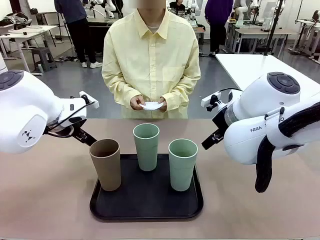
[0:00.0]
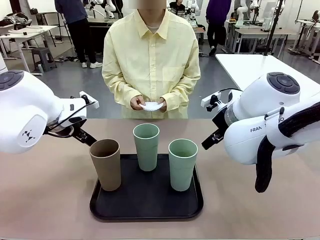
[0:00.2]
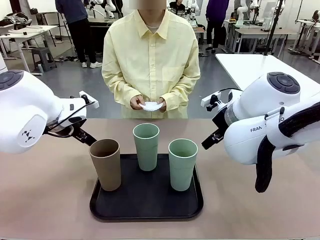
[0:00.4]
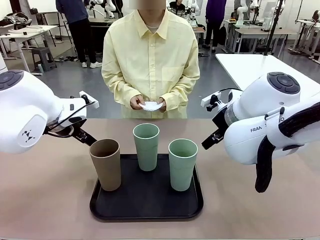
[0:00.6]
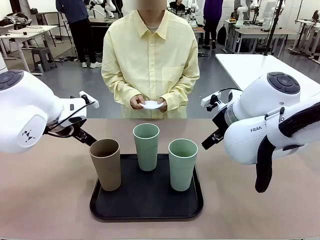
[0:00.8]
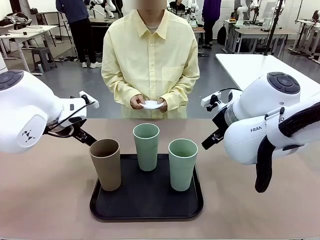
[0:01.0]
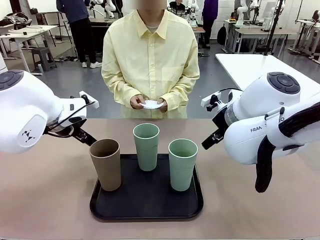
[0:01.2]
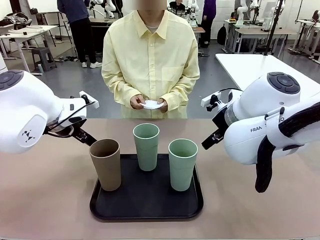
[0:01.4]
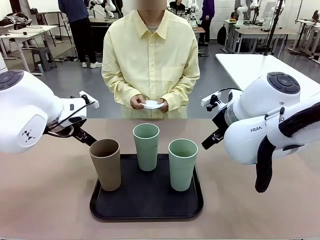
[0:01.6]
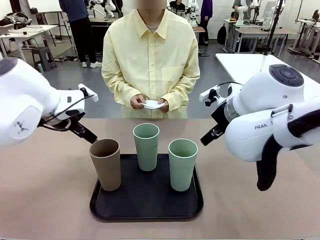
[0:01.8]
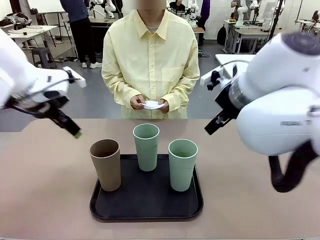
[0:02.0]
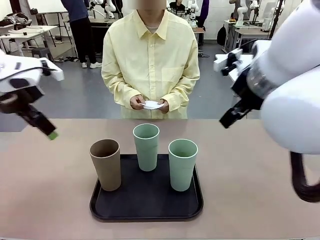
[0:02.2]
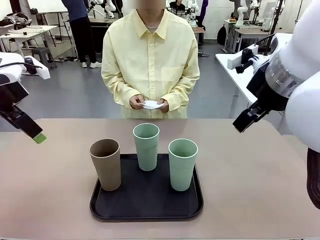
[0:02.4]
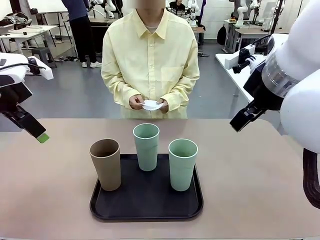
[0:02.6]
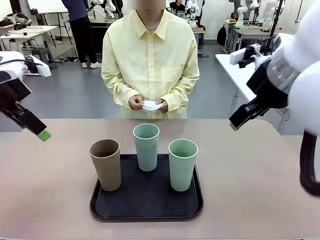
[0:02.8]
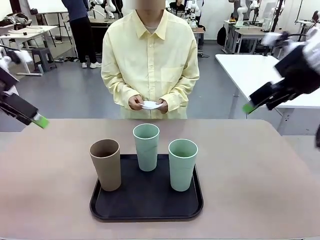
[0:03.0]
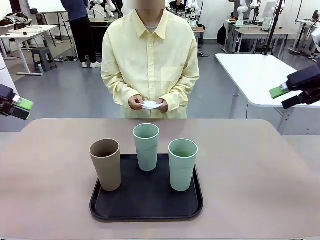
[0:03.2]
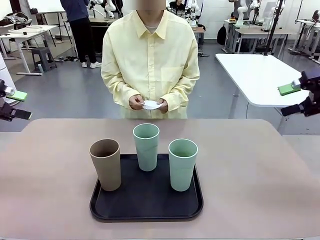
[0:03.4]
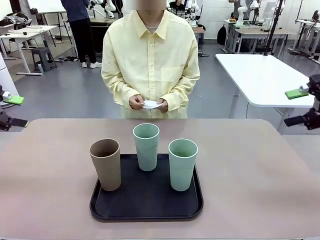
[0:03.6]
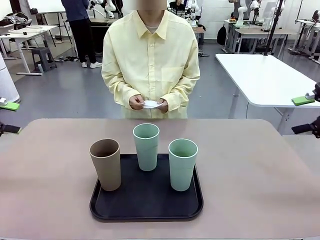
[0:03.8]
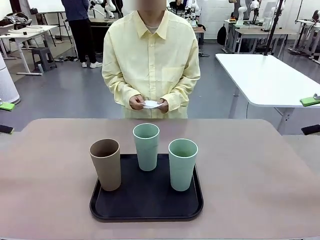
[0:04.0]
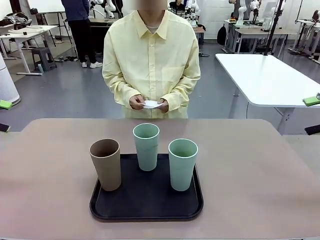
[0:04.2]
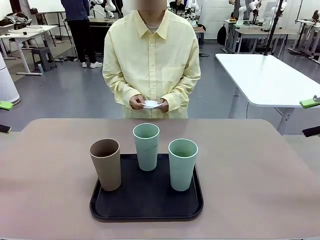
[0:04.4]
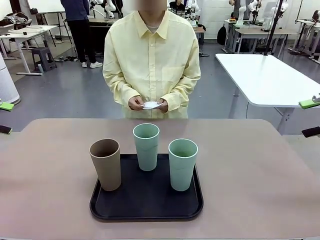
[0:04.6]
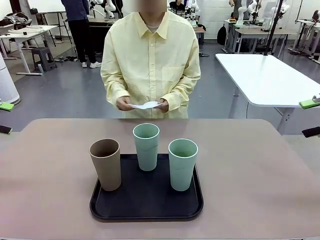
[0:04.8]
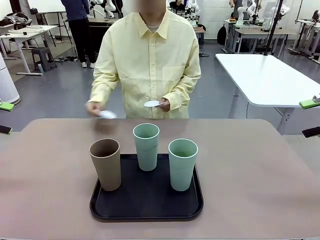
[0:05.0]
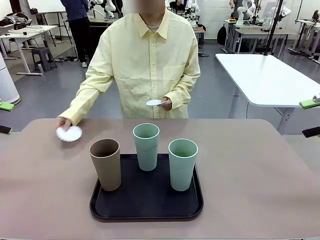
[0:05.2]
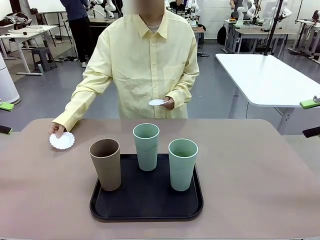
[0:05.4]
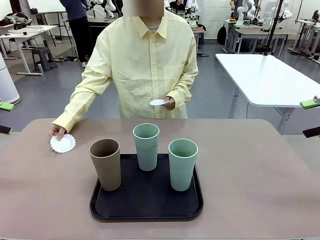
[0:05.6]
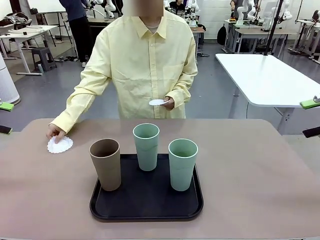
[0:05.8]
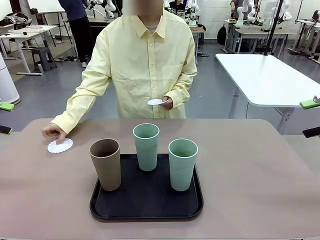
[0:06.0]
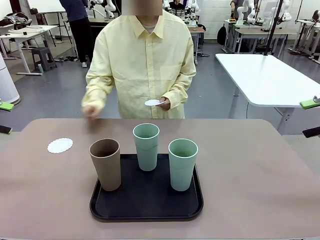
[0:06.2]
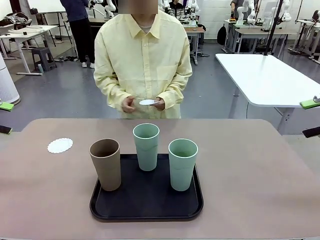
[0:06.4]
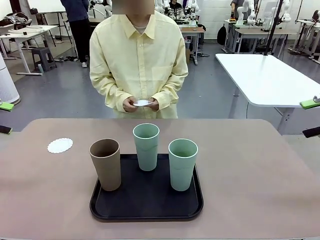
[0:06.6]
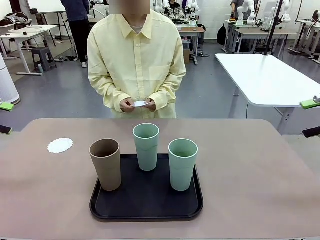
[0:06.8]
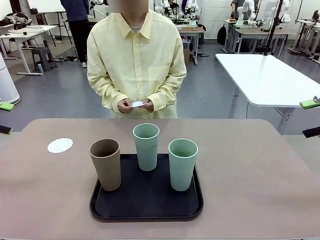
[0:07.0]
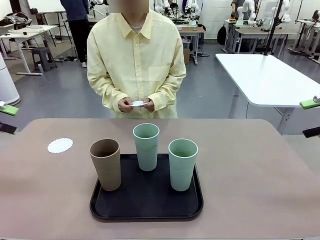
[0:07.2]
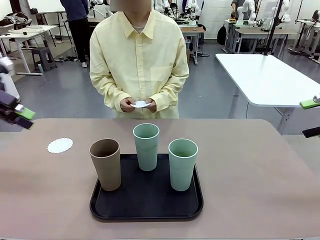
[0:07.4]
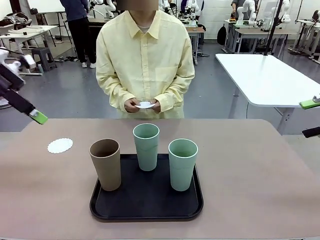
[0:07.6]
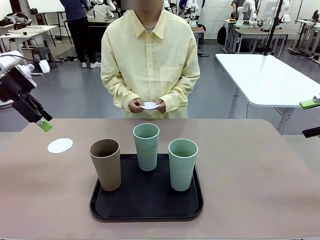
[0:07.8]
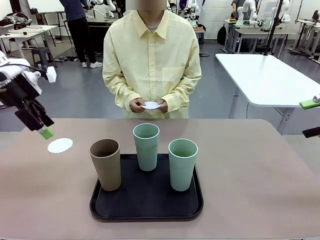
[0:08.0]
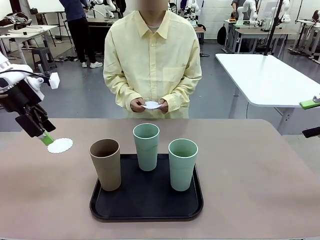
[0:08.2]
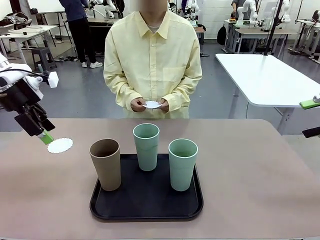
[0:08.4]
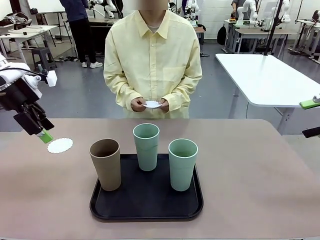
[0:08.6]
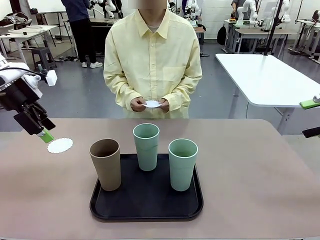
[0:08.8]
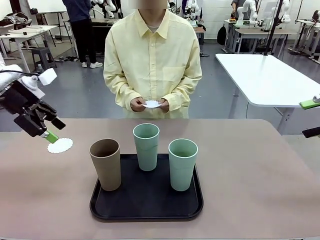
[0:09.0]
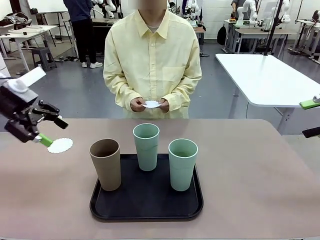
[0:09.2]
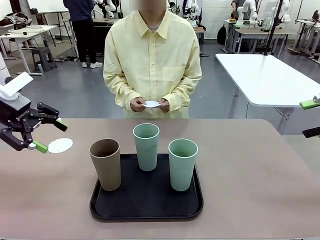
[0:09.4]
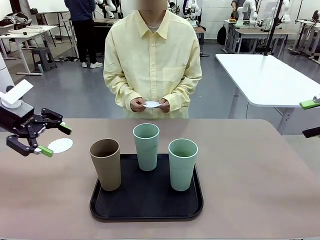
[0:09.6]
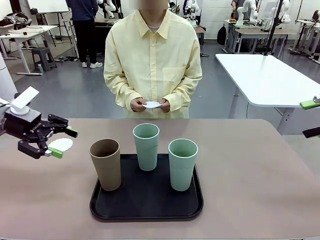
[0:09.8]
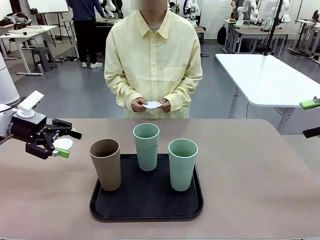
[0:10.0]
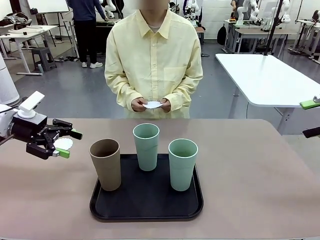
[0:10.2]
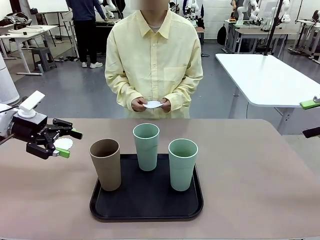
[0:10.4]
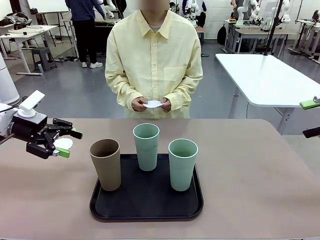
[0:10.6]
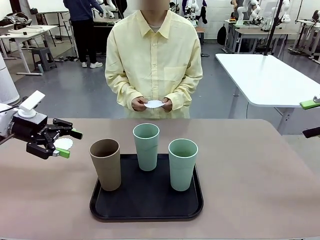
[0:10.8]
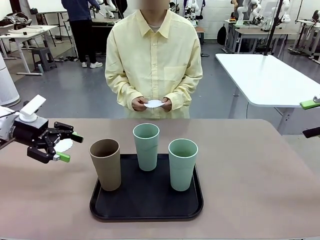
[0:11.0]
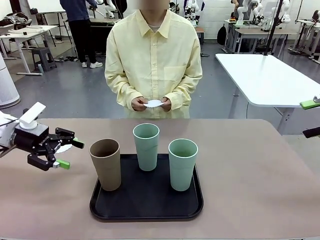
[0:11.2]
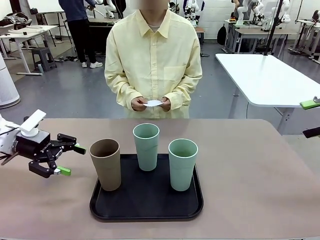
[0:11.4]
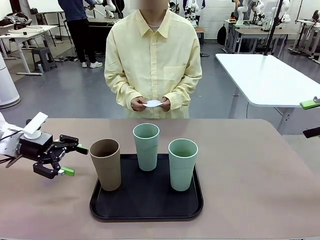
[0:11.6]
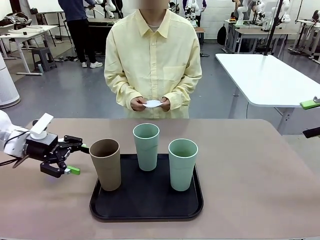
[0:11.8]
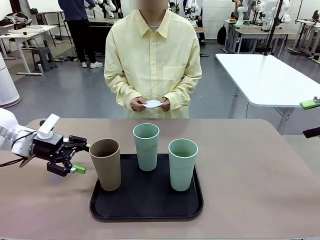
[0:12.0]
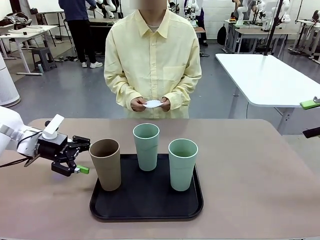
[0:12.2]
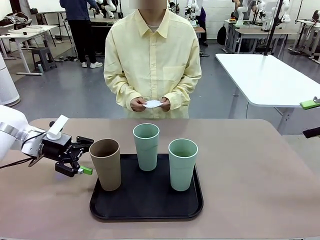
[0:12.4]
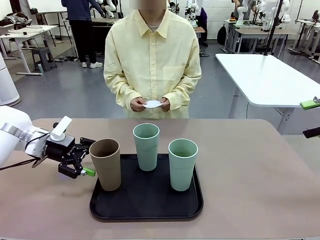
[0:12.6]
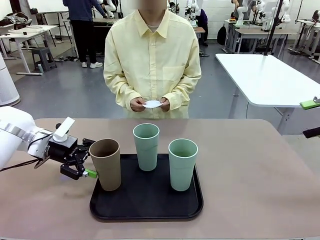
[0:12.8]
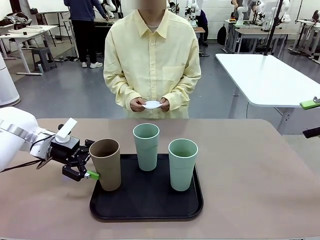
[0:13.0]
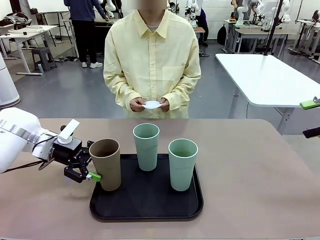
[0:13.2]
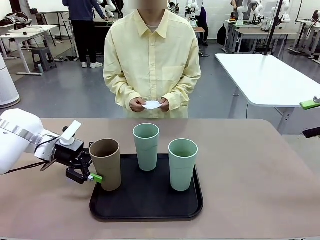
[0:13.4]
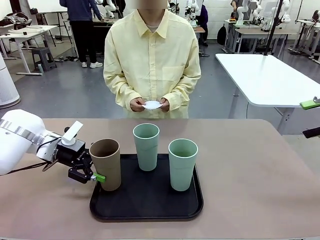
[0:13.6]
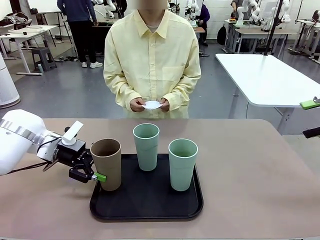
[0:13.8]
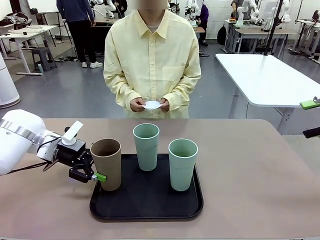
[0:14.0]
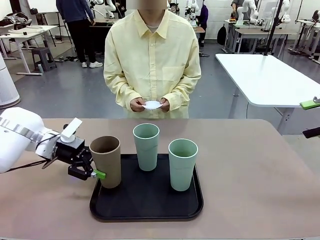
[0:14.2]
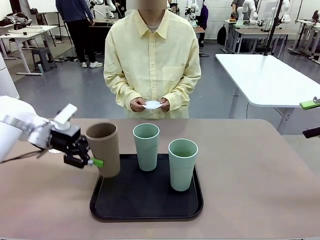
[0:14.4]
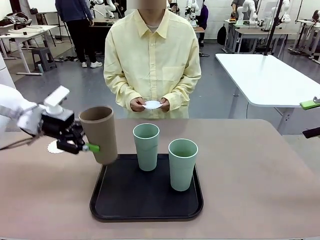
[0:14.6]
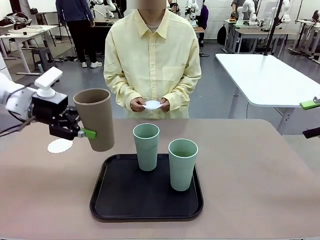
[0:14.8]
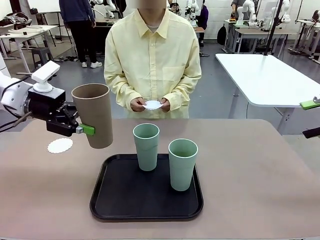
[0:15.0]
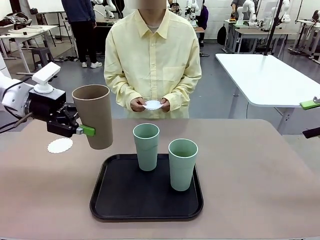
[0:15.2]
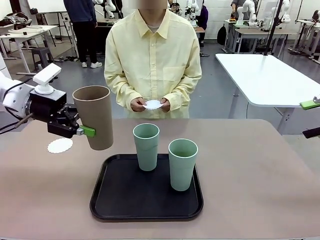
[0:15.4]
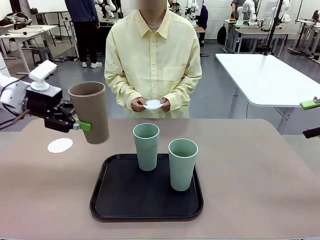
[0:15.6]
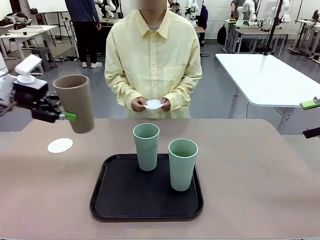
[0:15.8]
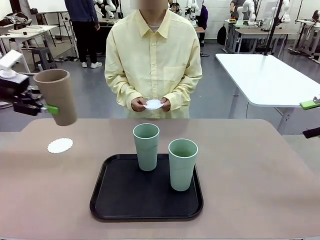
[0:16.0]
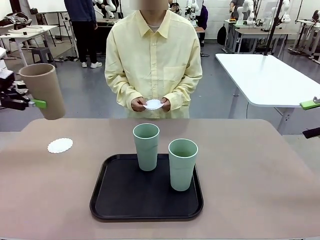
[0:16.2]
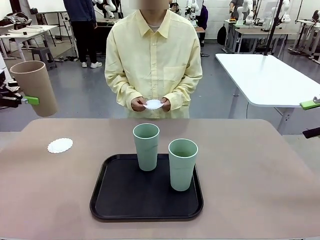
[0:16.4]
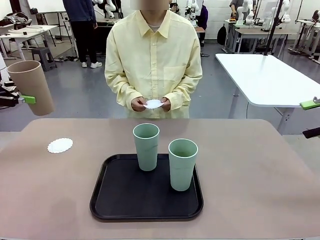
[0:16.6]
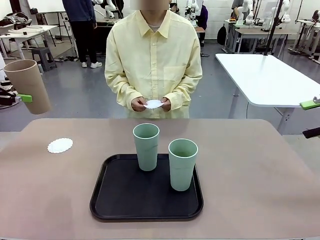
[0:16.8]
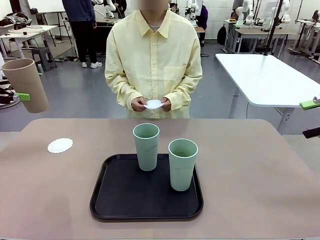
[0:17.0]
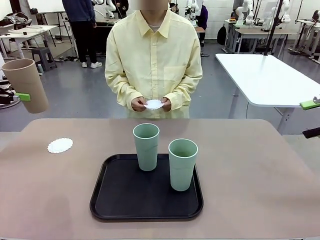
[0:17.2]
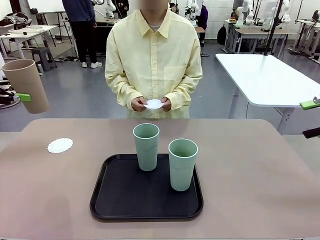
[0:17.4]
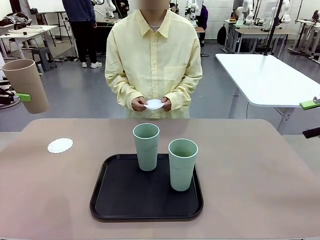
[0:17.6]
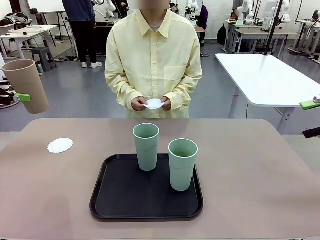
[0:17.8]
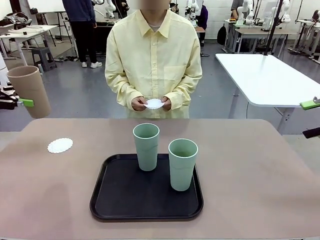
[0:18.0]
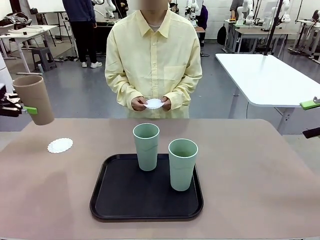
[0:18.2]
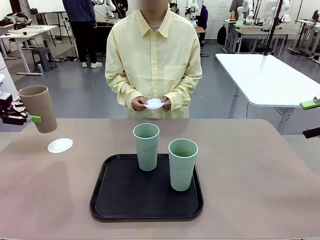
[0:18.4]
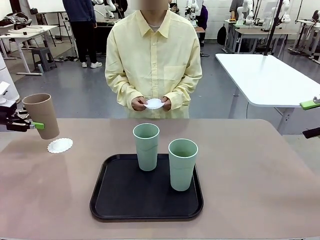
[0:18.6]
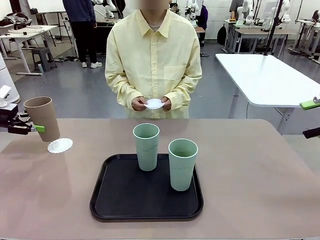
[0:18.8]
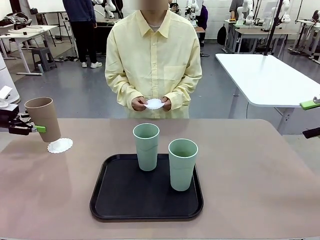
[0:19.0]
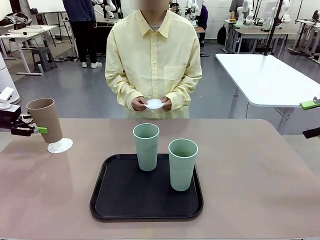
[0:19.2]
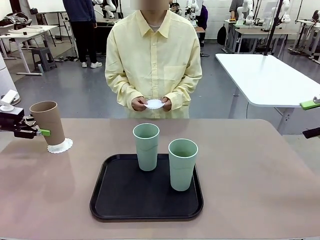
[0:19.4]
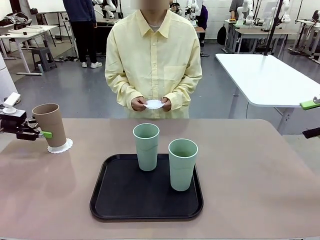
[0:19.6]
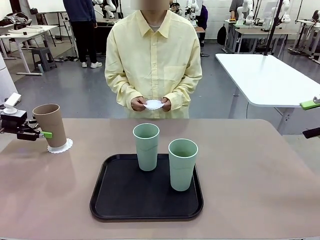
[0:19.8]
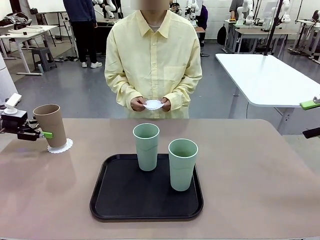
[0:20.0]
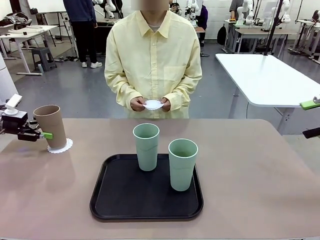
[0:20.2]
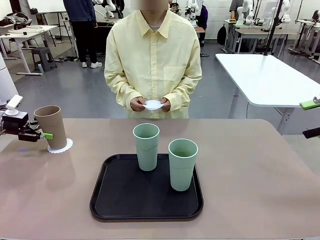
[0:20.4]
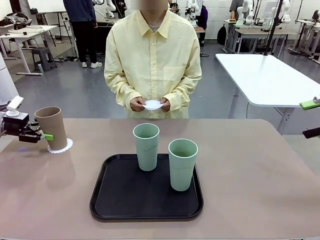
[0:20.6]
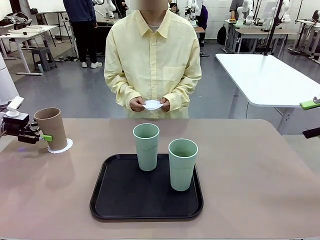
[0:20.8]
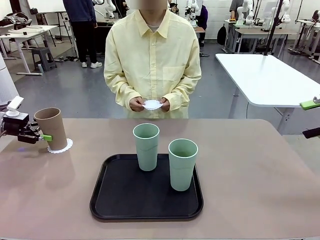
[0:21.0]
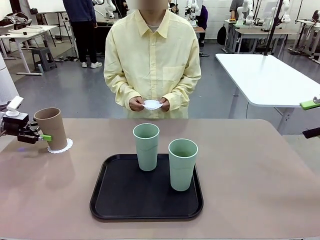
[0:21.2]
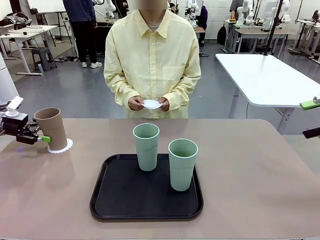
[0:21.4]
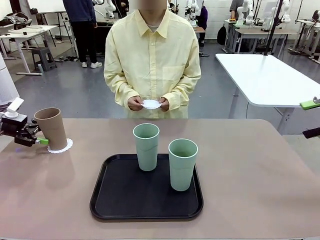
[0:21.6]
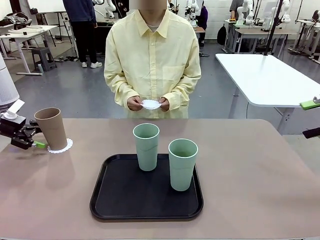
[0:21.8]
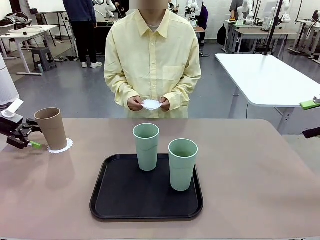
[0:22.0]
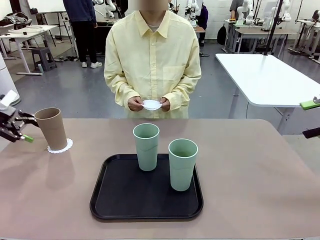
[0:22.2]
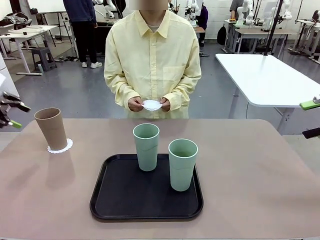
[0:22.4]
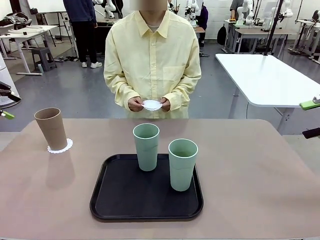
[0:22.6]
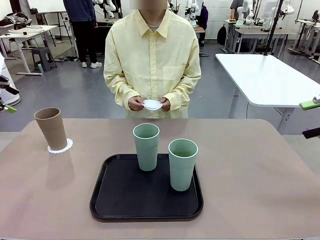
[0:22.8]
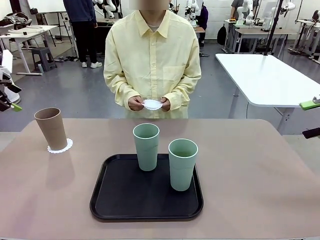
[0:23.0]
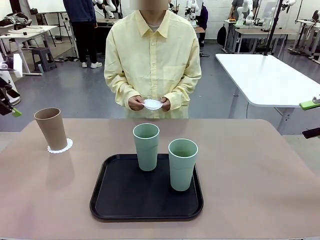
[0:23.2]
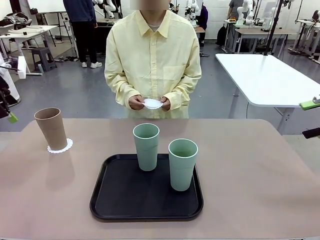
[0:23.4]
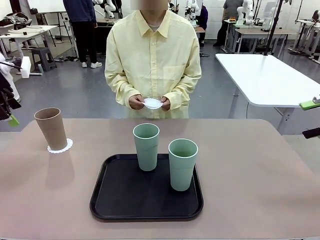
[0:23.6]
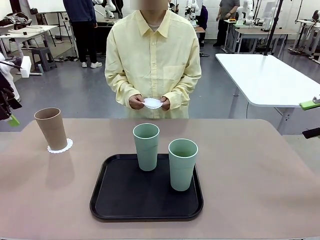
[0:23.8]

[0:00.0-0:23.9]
Task: Place coasters on the table and set cups on them.
Robot: Pick up one Reusable plastic cup and place it on a coaster set by the human.
Person: Place one coaster in any one of the three lower areas of the robot table (left, center, or right). Place one coaster in one of the two areas excluding the previously selected area.
